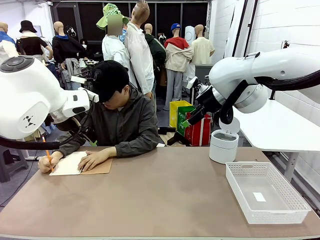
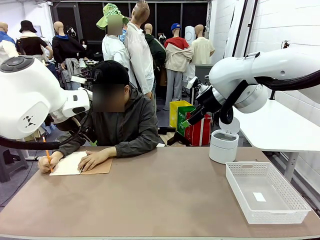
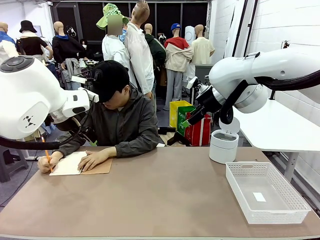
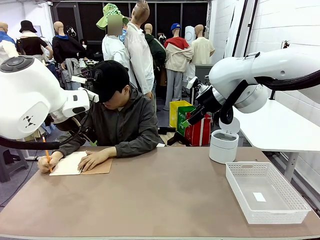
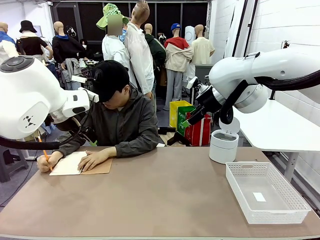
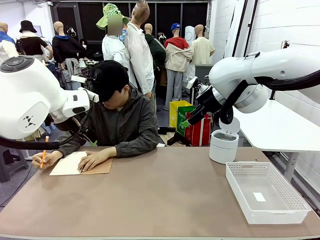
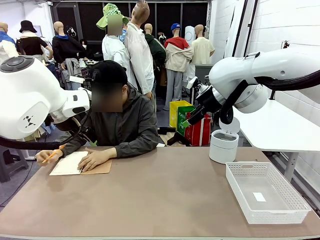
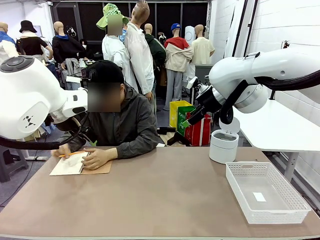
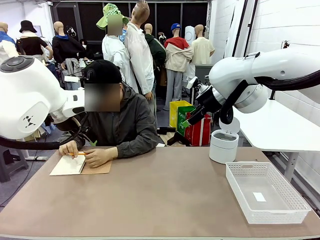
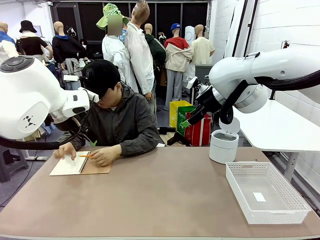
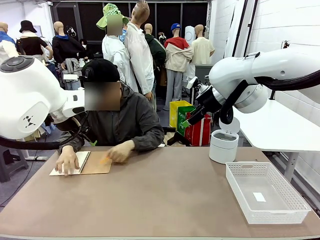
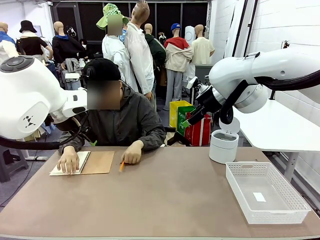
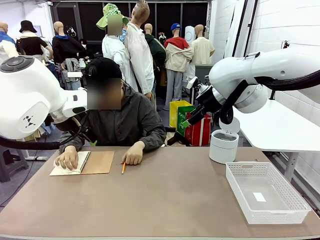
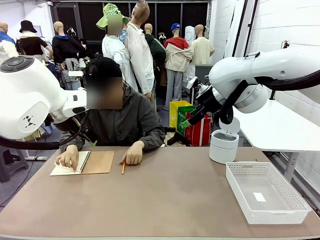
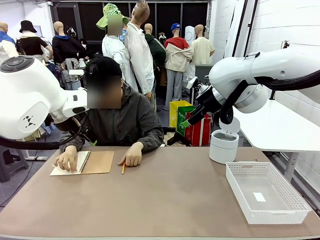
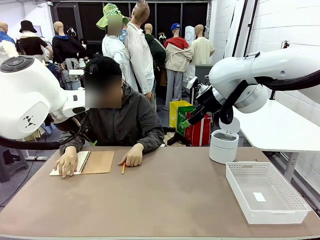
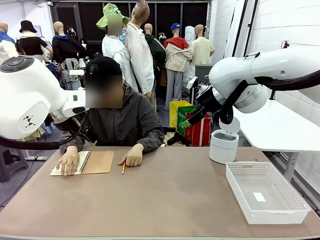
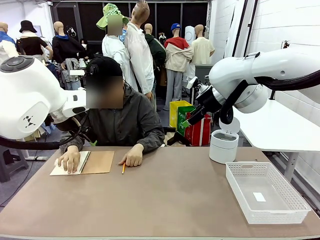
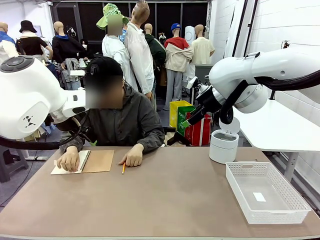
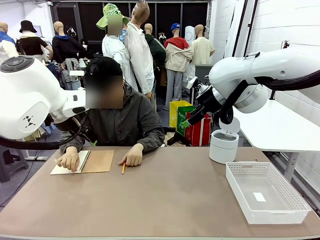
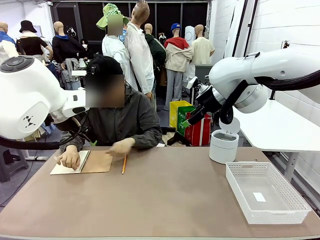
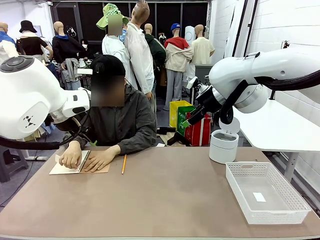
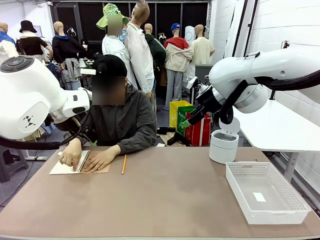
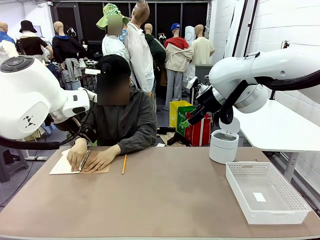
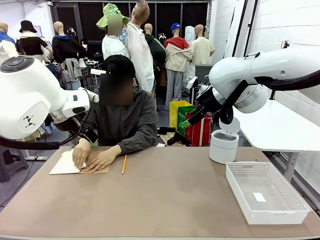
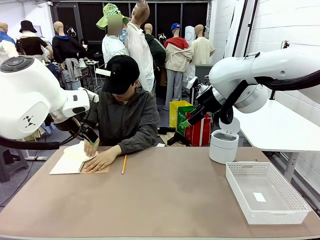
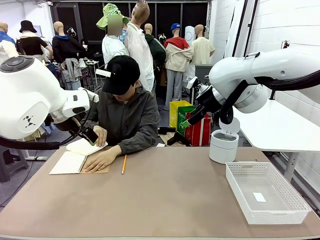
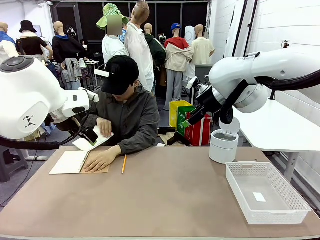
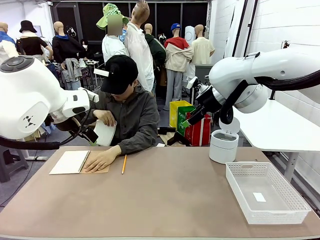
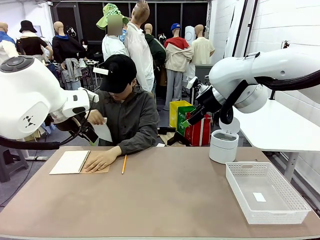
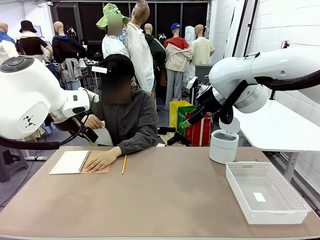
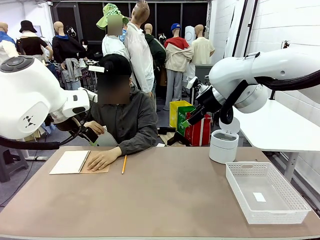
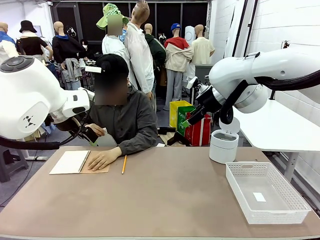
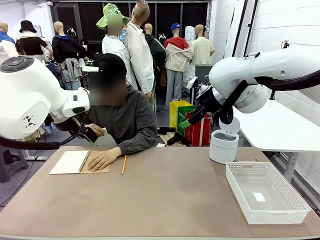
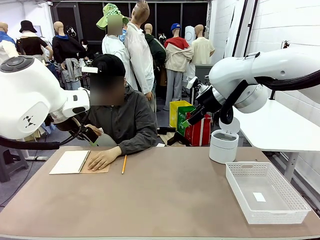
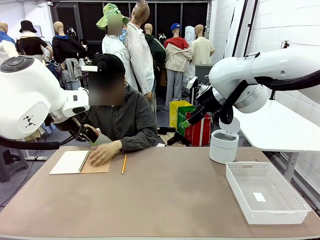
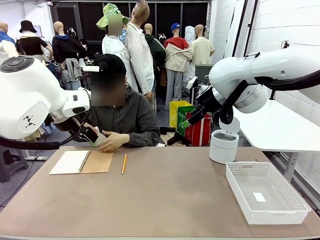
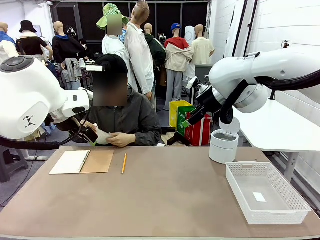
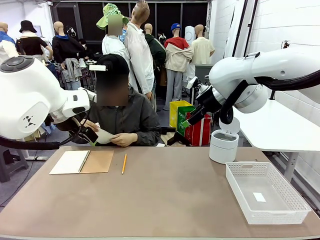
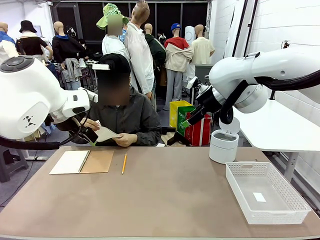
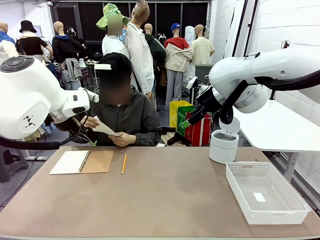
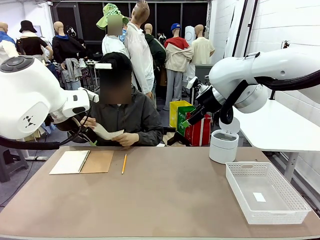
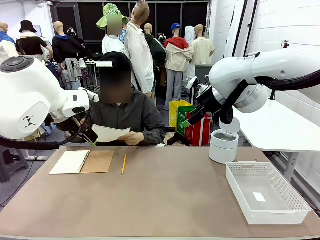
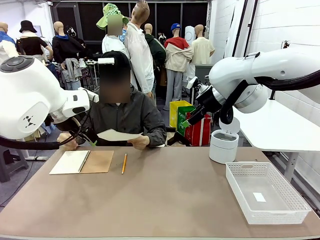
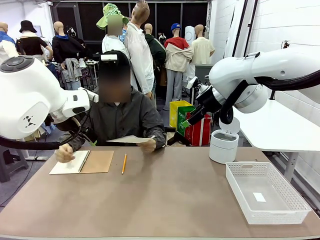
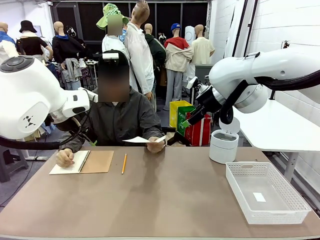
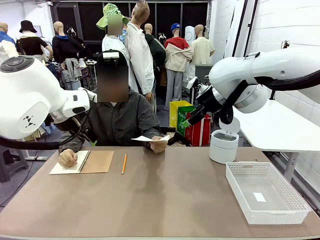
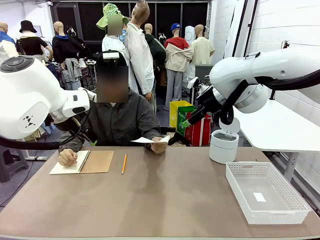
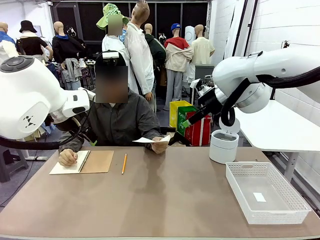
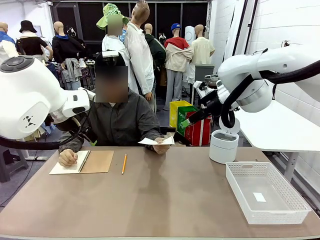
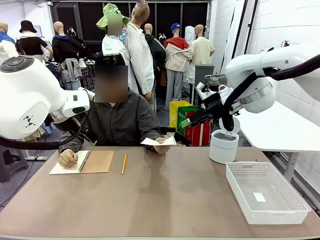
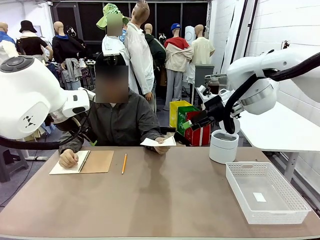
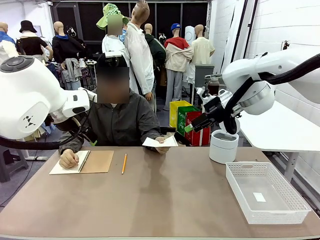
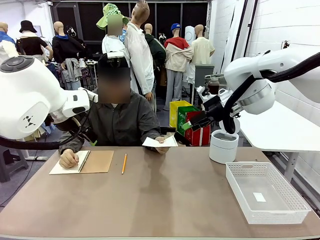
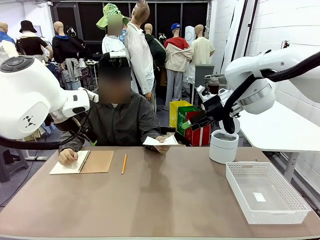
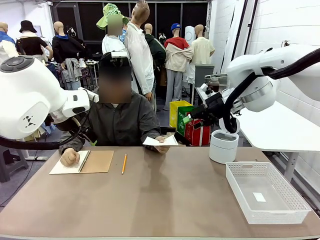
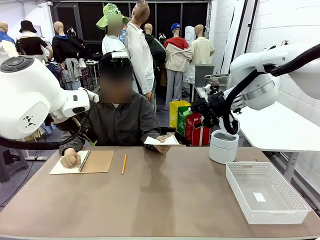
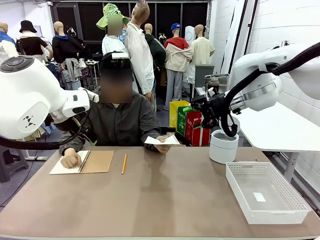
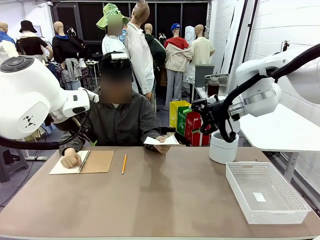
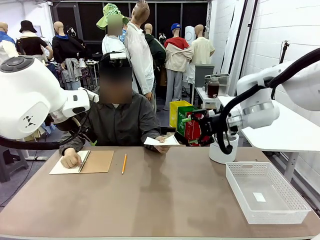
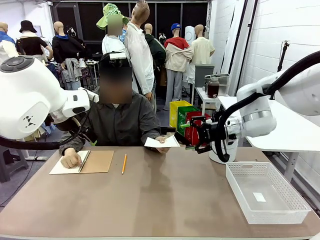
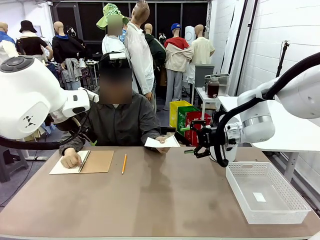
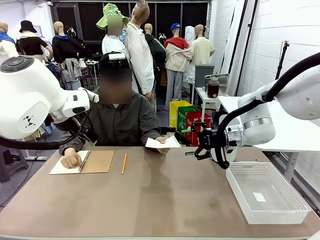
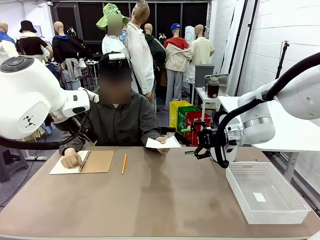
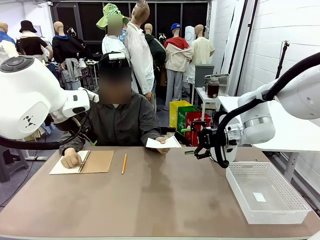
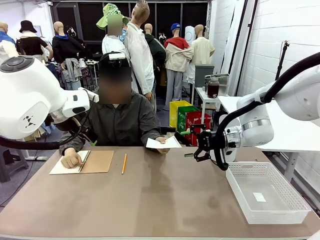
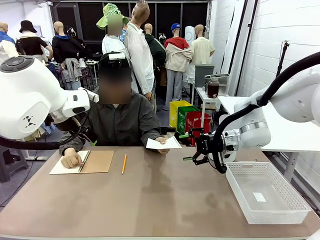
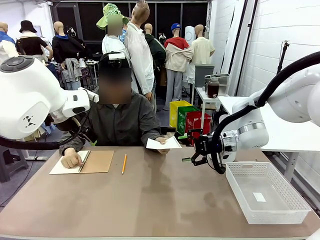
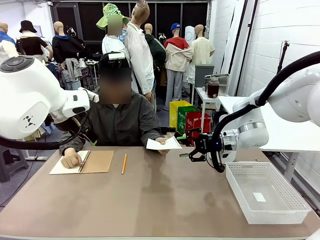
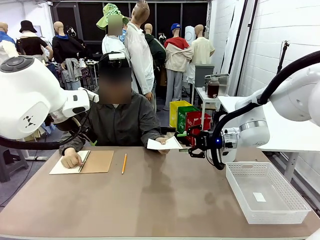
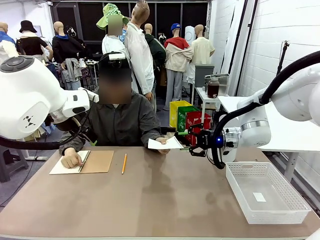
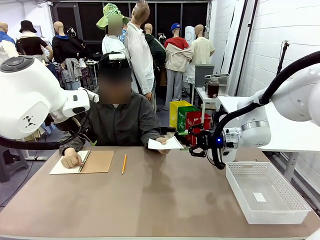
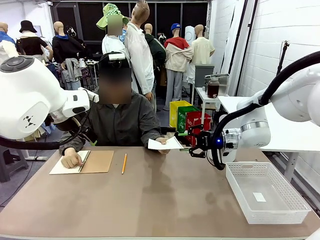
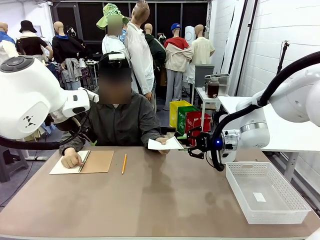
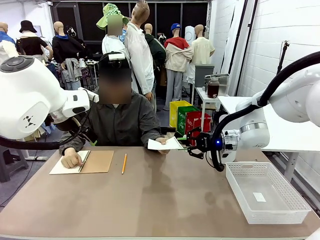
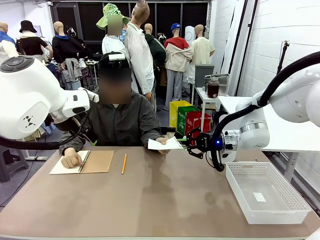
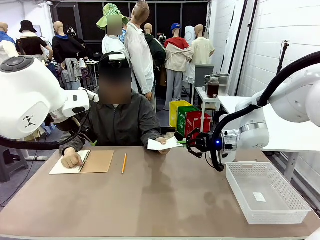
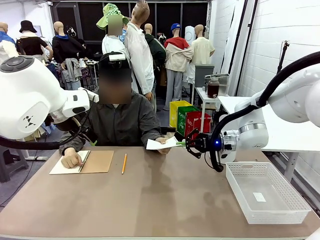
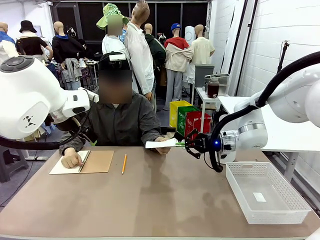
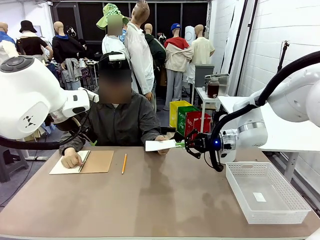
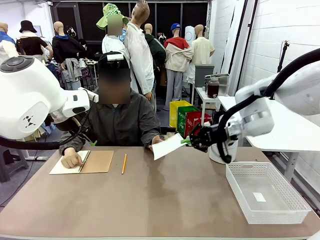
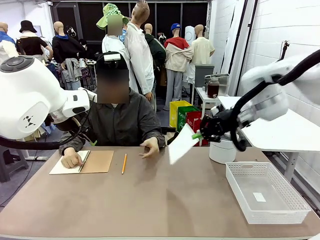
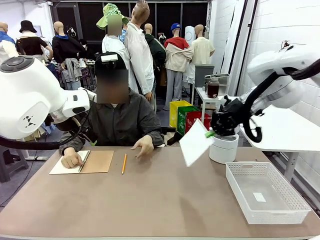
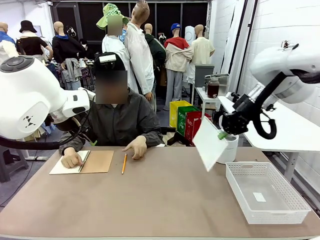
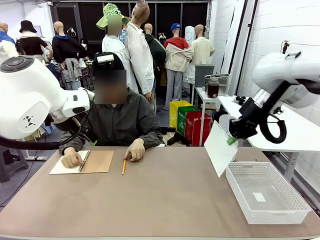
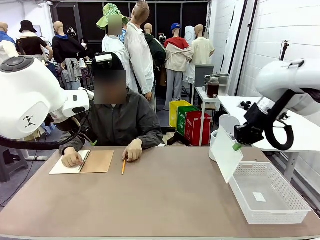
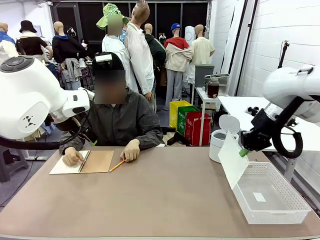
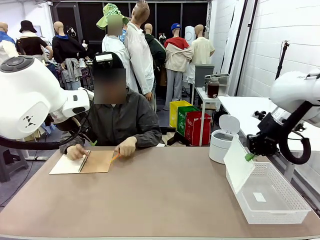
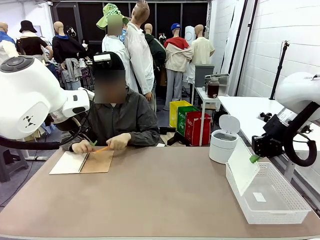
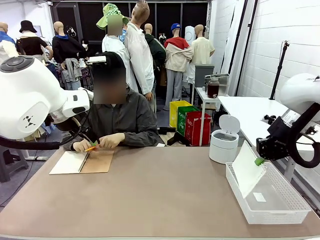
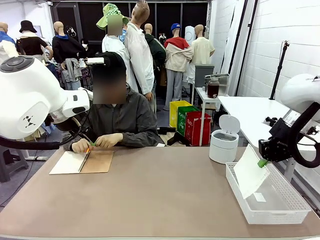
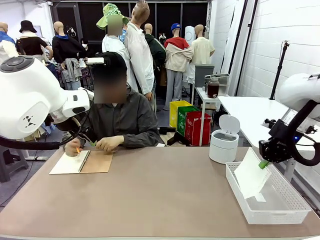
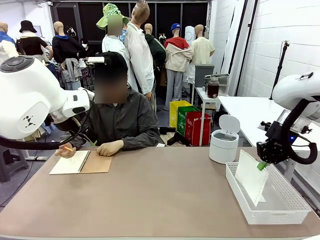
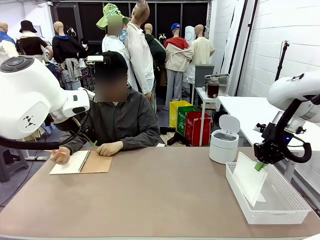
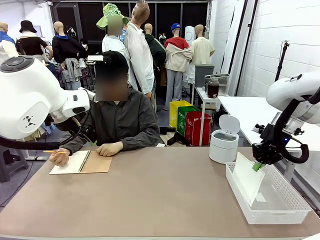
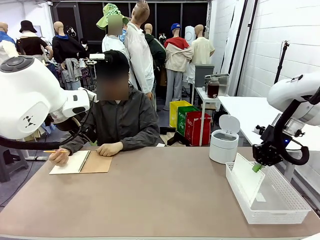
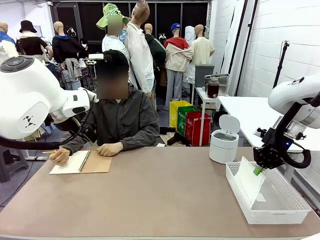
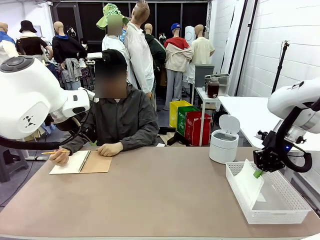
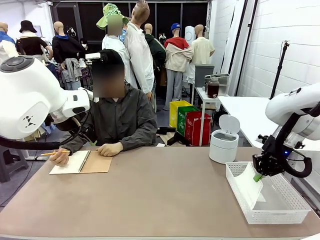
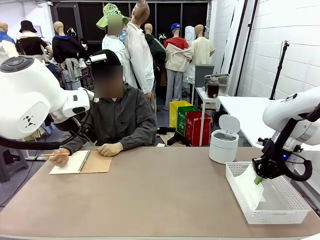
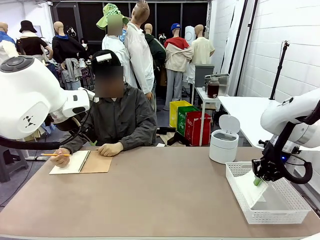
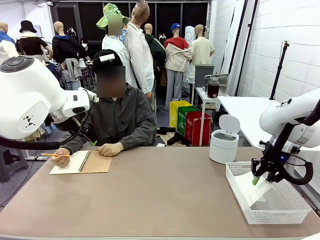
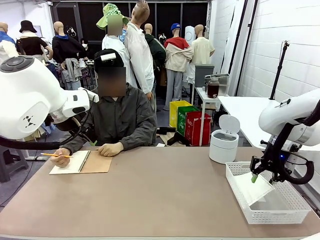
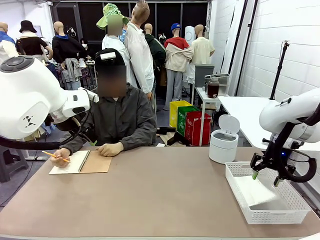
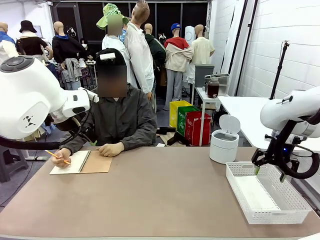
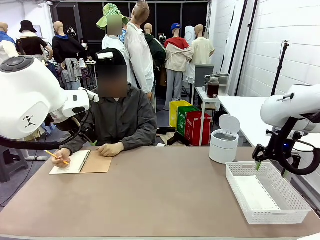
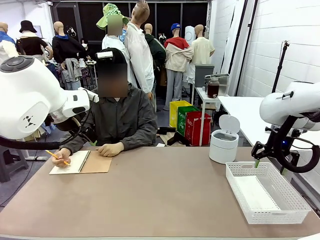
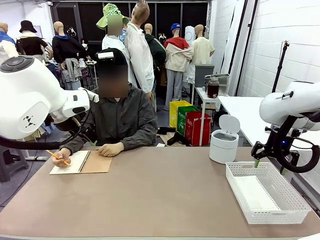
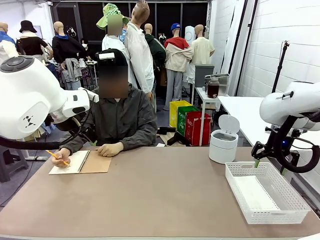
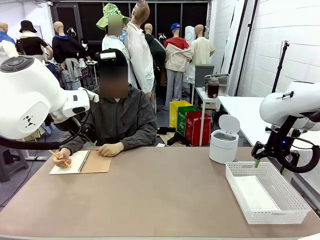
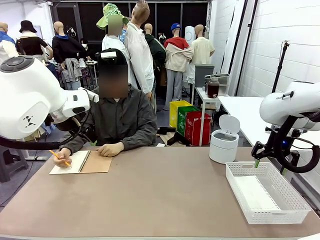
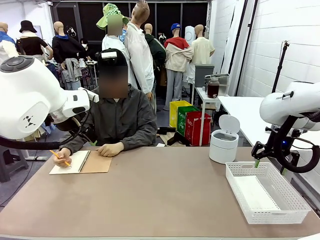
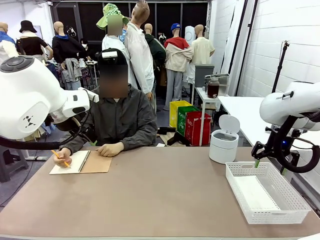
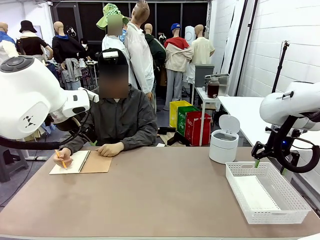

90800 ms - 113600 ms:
Task: Sort the paper based on its condition.
Robot: If a person hands you a paper, place it in the Organizing basket , and if it's crumpled, put it in the Trash can.
Person: Hand the torn page to the robot or crumple it and throw it to the center of the table.
